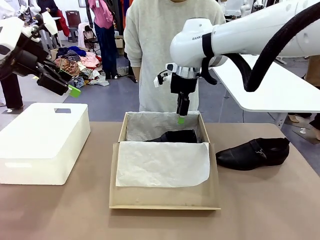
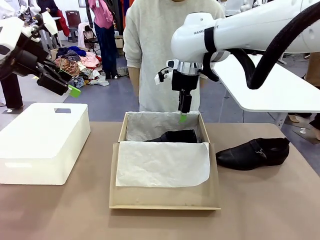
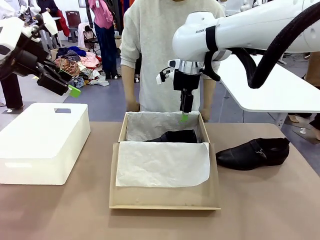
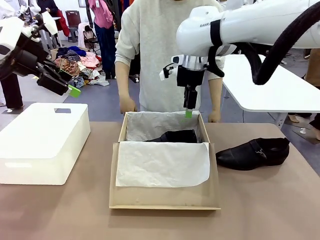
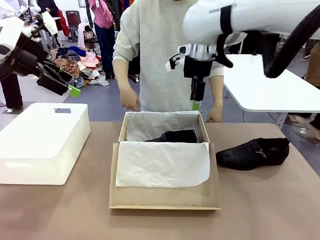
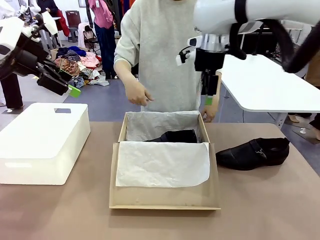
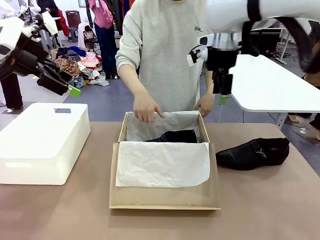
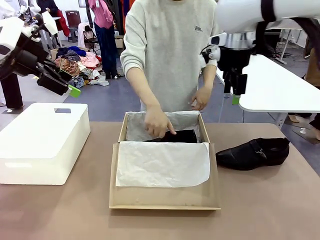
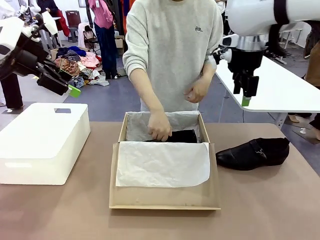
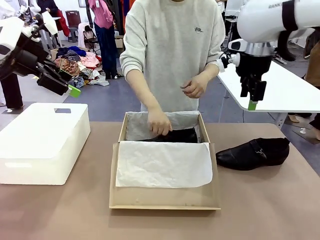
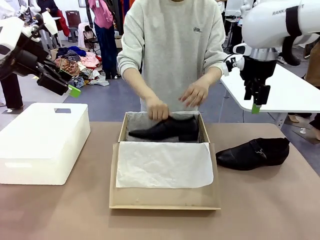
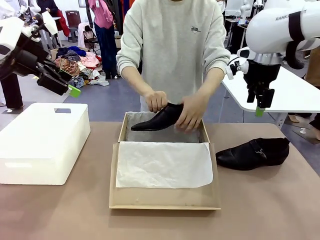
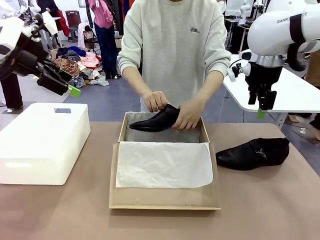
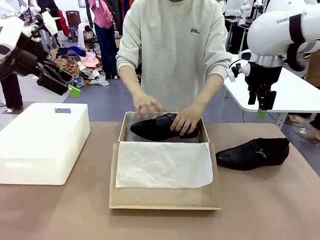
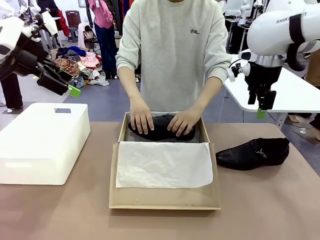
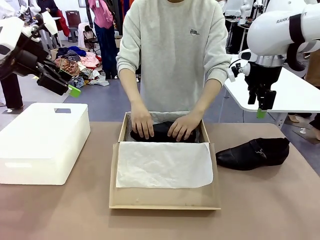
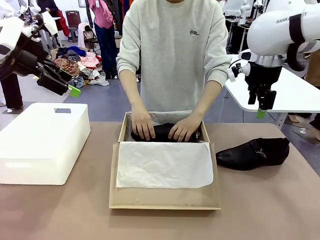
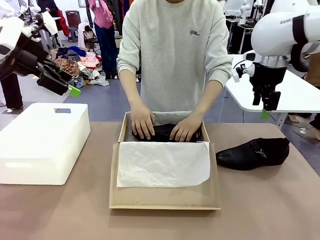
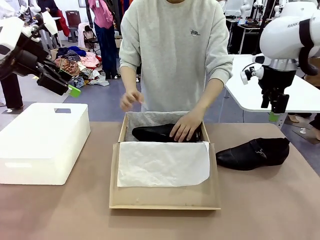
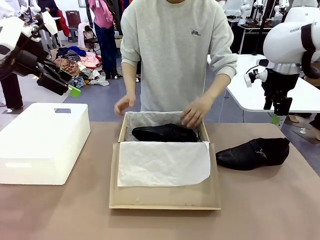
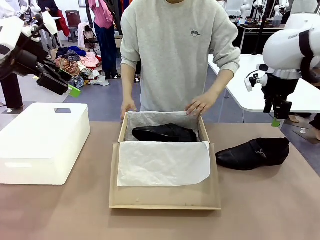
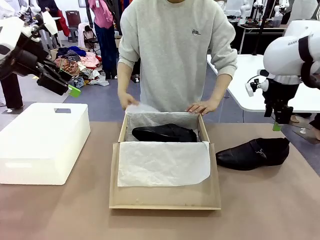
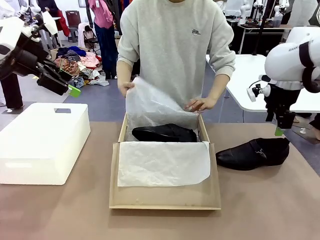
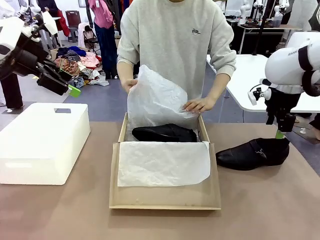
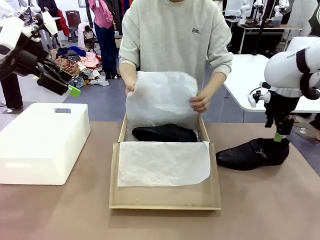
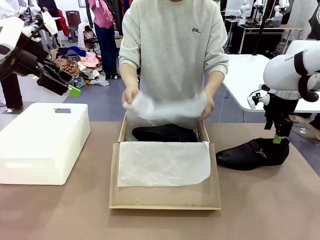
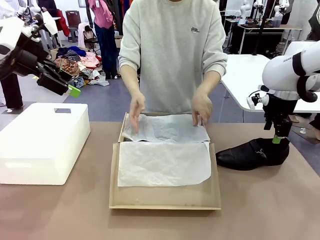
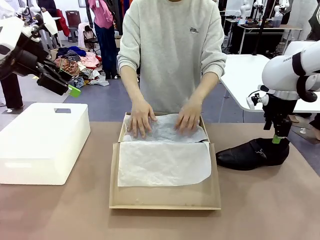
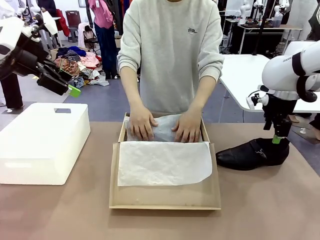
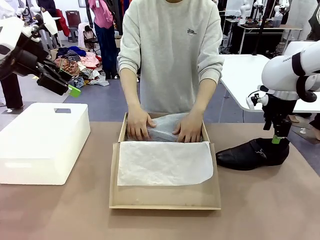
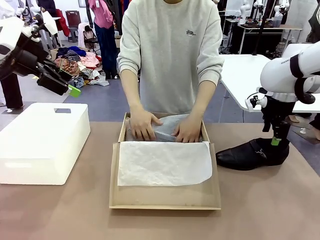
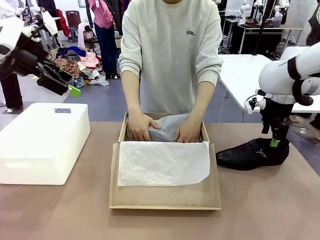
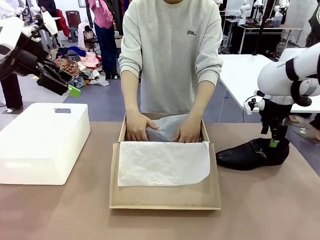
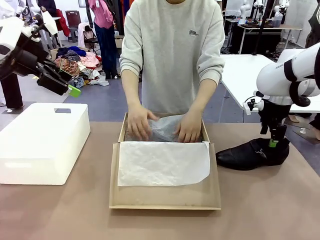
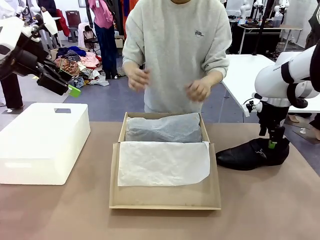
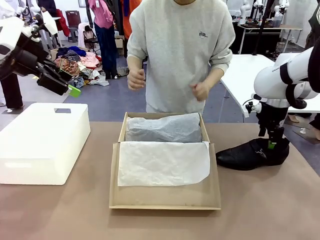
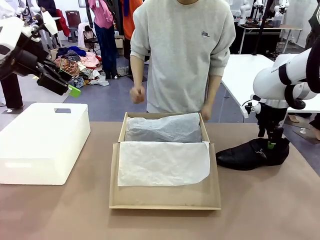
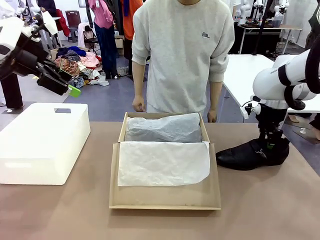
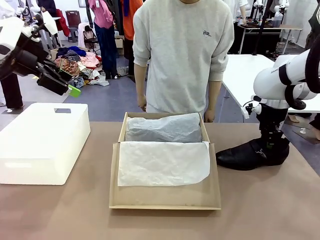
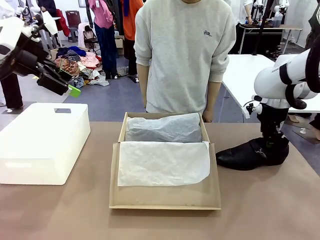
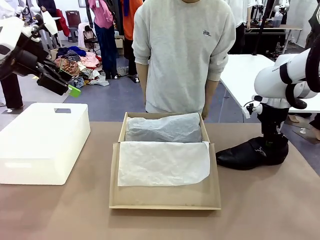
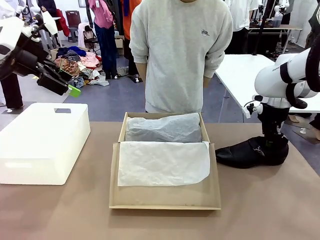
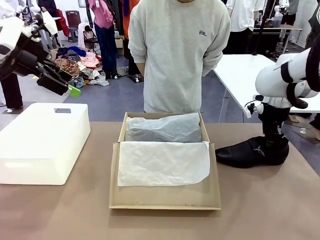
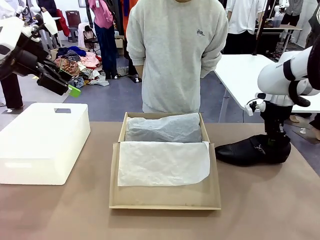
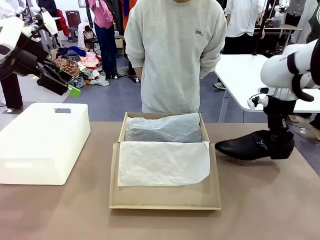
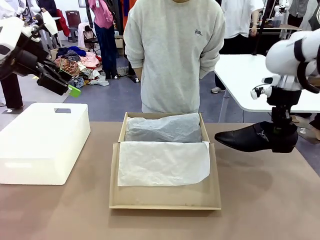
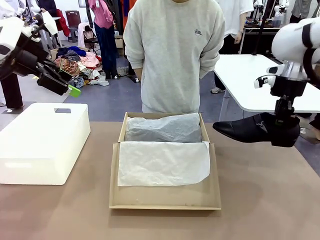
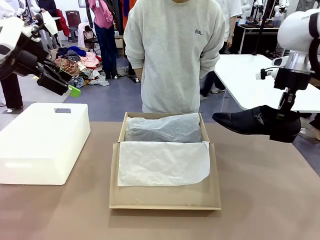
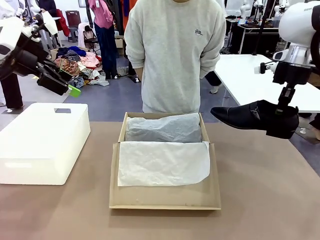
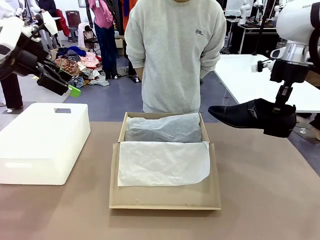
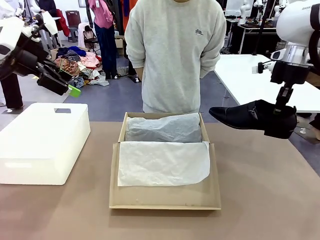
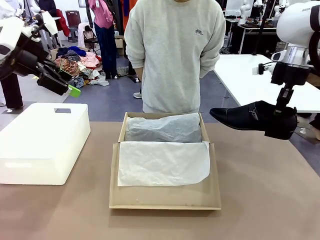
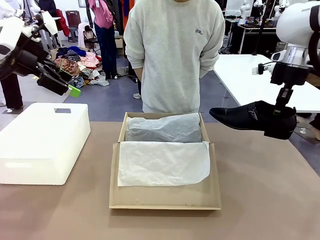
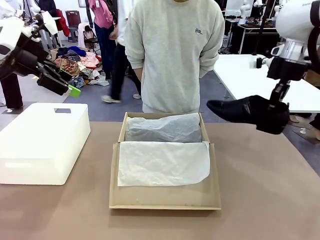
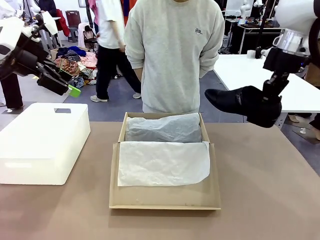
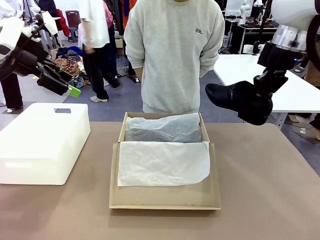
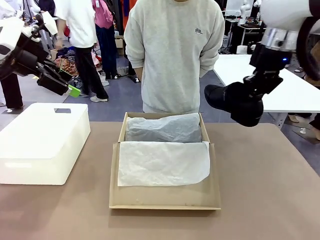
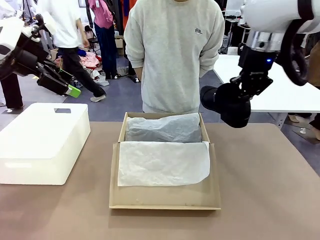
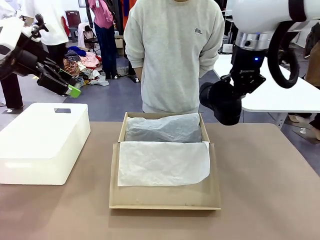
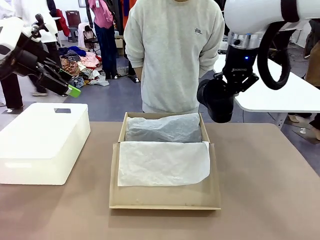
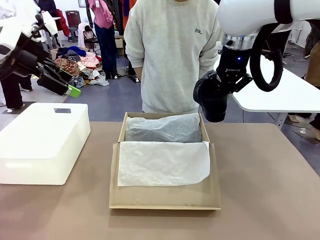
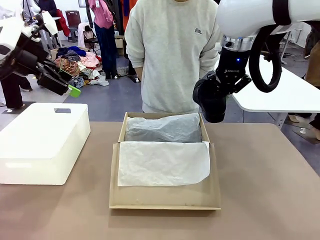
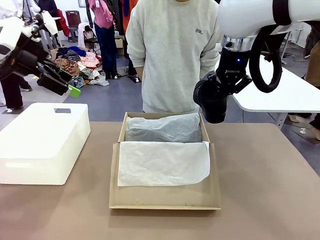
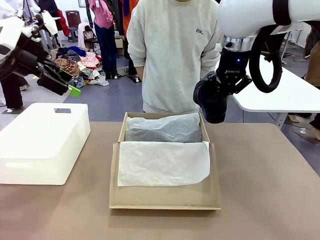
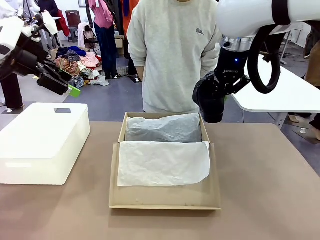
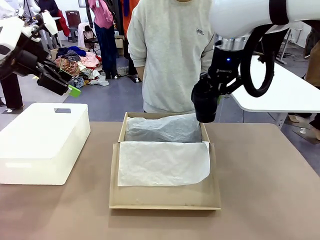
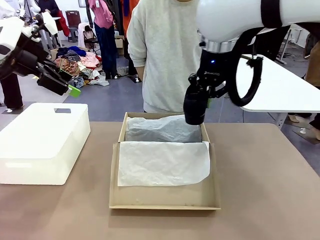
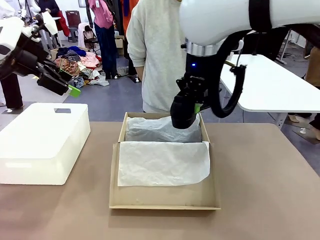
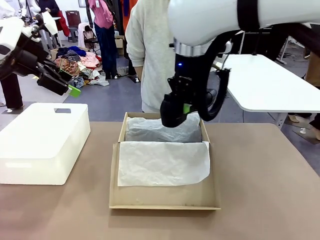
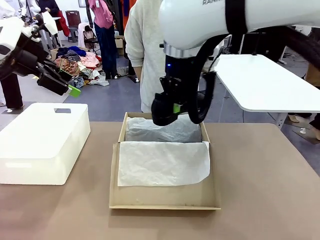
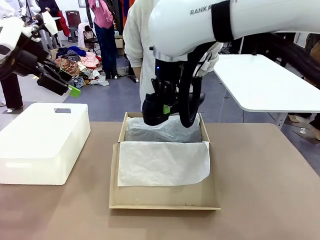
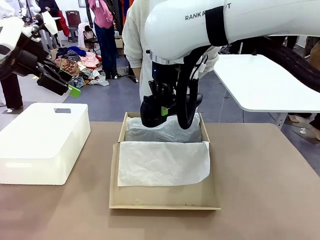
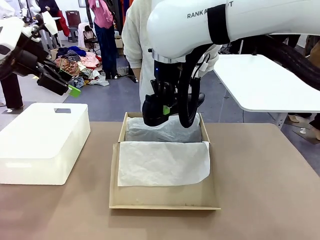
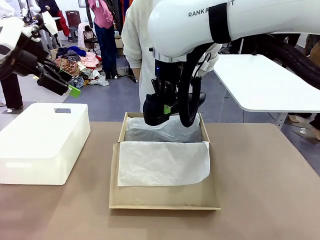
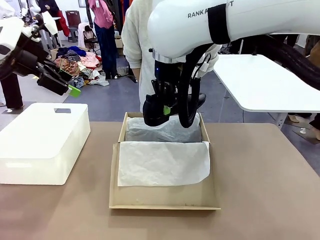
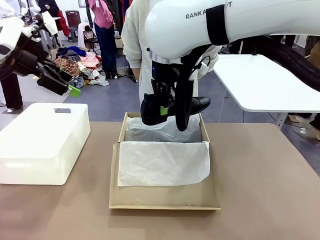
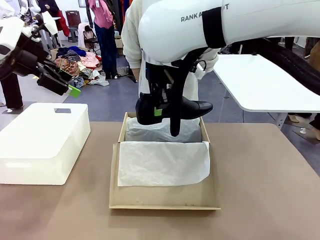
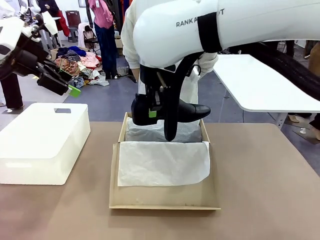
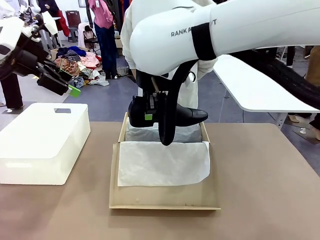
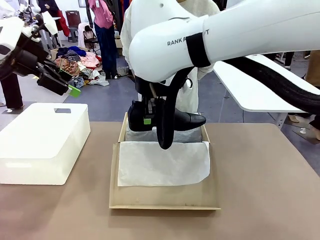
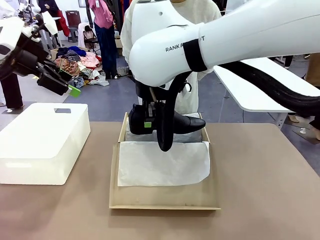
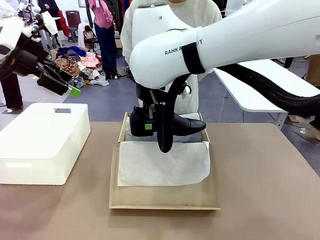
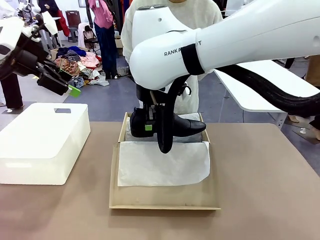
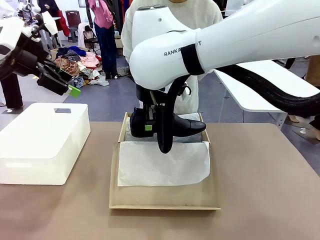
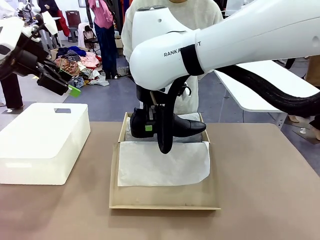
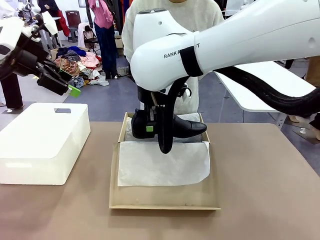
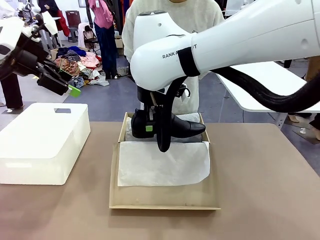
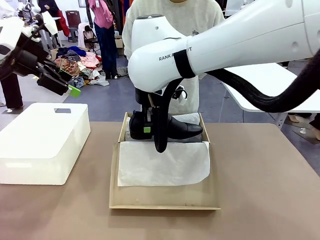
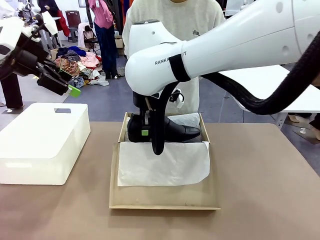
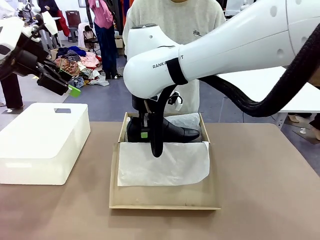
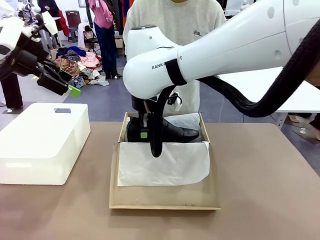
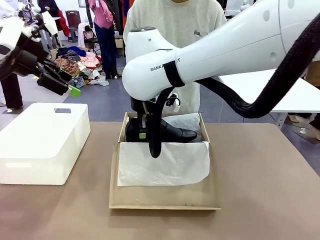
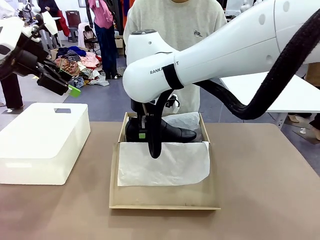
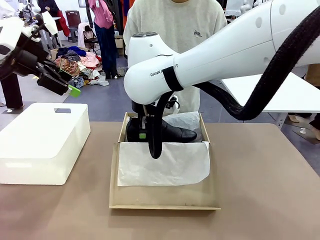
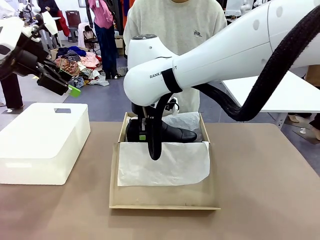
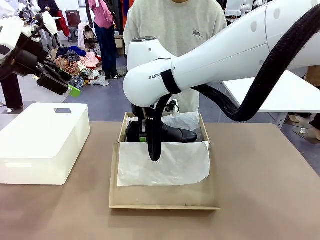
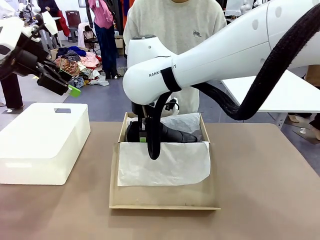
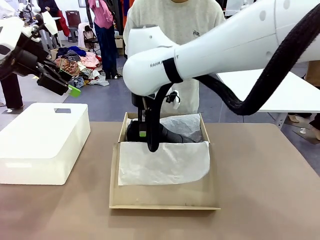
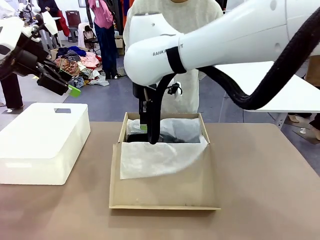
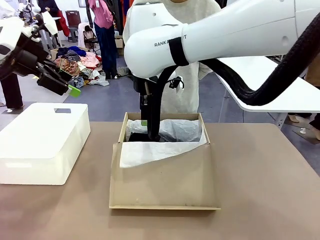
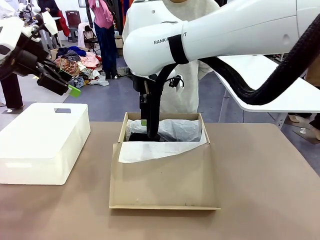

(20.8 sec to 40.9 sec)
Task: Pack the shoes into the box.
Robot: Place the other shoe of the Shoes into the Shoes Box.
Person: Pack a shoe of Shoes inside the Shoes Box with Shoes Wrapping Paper.
